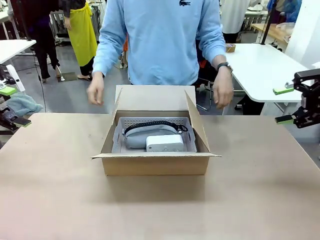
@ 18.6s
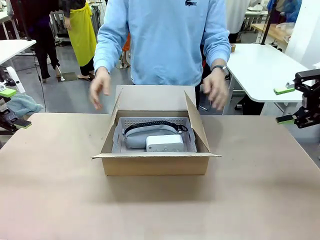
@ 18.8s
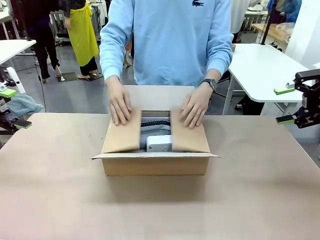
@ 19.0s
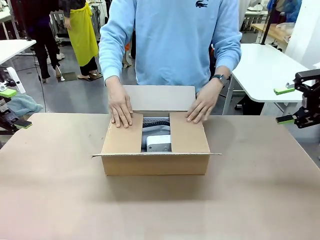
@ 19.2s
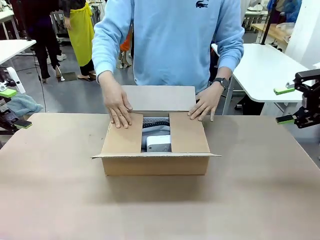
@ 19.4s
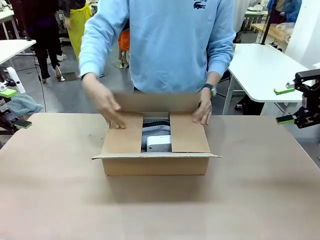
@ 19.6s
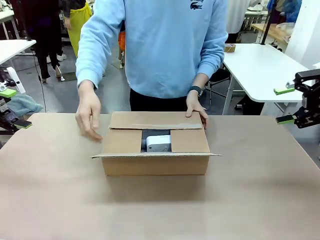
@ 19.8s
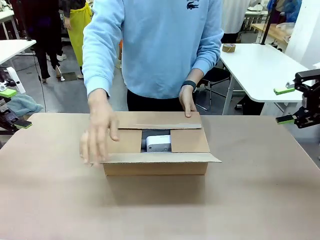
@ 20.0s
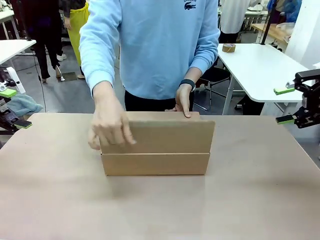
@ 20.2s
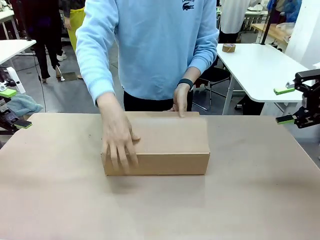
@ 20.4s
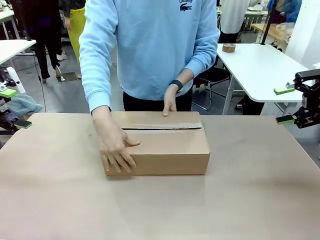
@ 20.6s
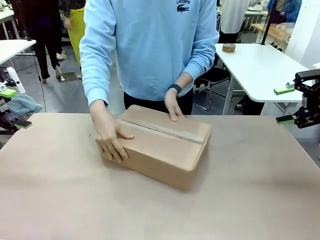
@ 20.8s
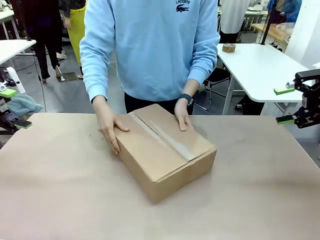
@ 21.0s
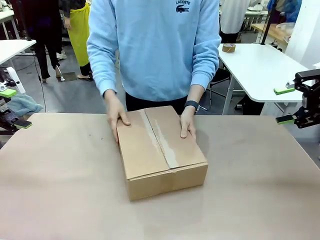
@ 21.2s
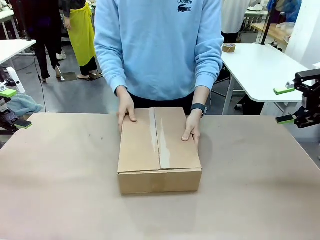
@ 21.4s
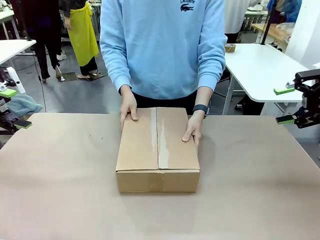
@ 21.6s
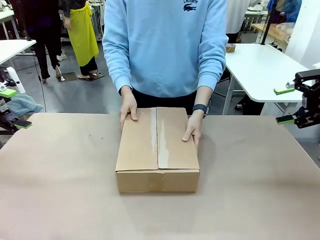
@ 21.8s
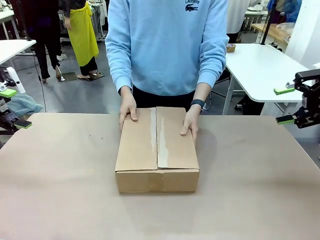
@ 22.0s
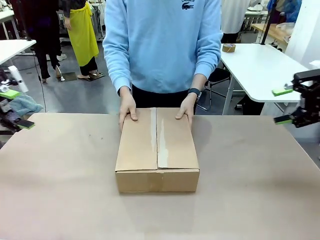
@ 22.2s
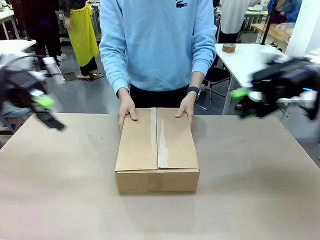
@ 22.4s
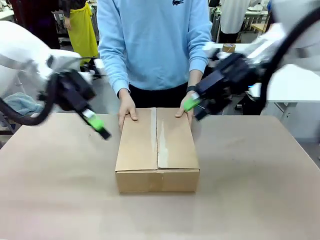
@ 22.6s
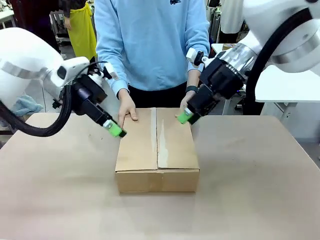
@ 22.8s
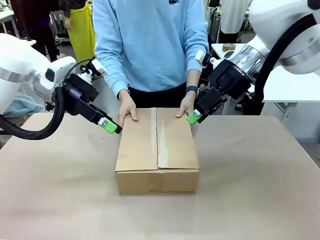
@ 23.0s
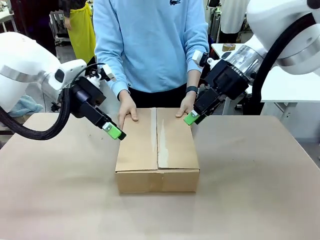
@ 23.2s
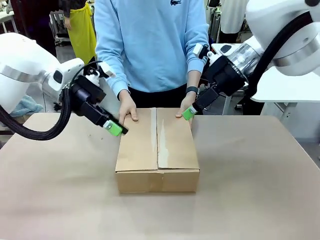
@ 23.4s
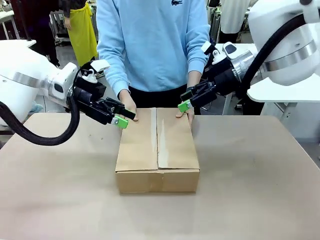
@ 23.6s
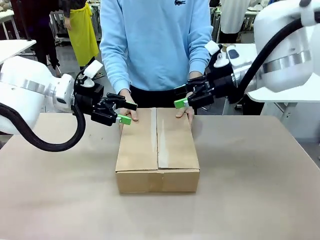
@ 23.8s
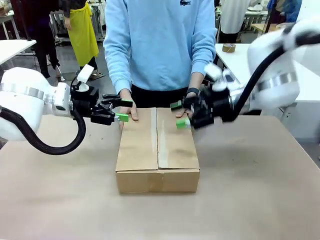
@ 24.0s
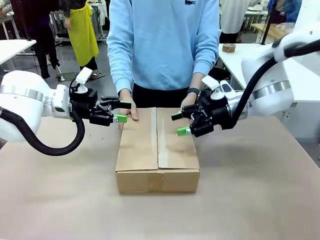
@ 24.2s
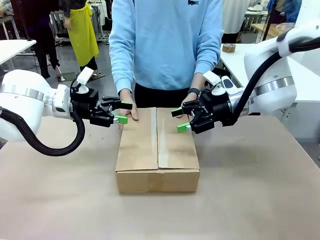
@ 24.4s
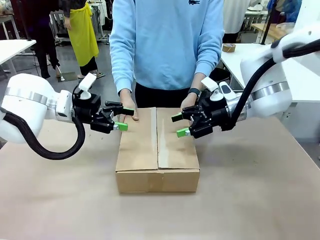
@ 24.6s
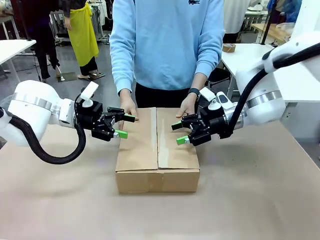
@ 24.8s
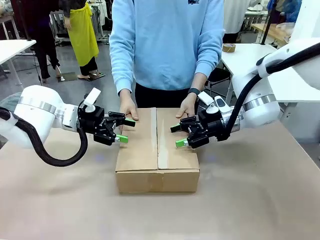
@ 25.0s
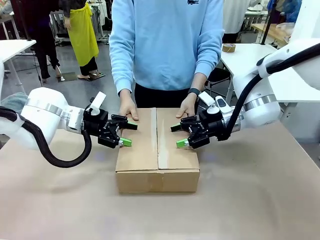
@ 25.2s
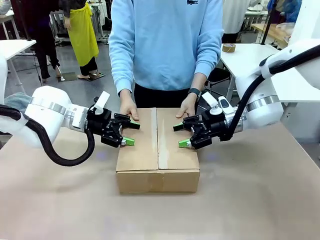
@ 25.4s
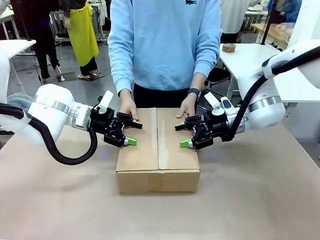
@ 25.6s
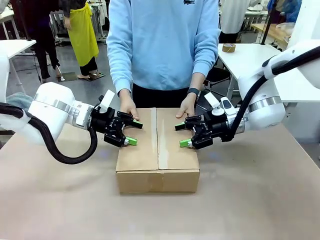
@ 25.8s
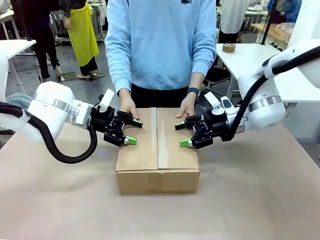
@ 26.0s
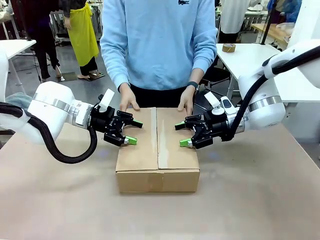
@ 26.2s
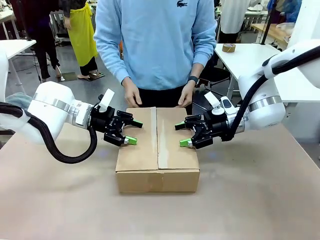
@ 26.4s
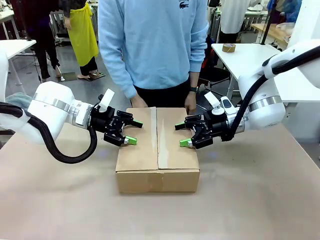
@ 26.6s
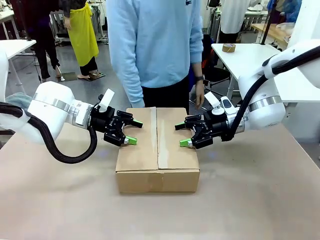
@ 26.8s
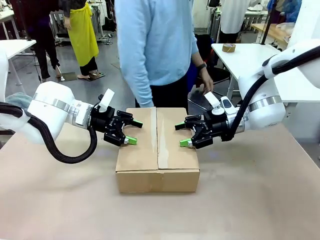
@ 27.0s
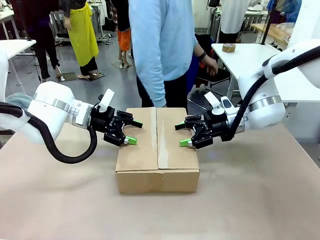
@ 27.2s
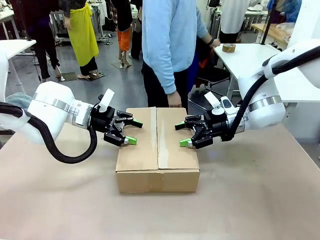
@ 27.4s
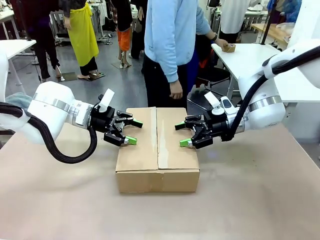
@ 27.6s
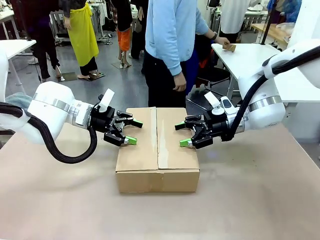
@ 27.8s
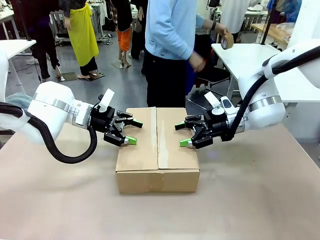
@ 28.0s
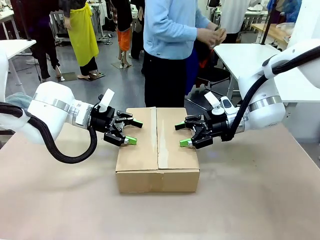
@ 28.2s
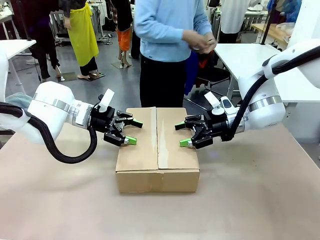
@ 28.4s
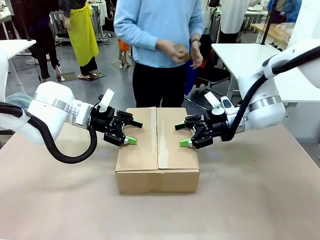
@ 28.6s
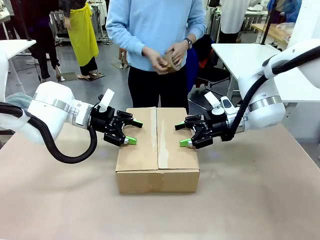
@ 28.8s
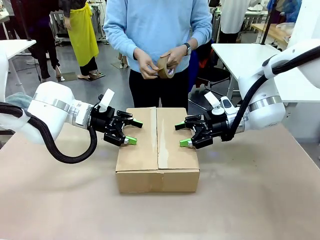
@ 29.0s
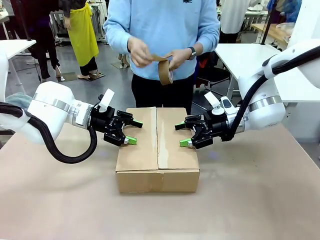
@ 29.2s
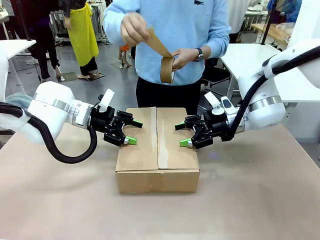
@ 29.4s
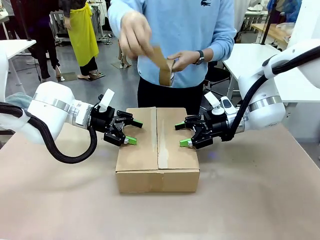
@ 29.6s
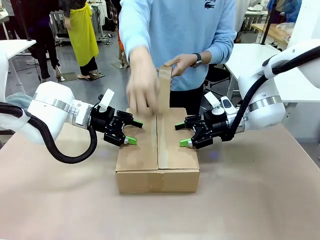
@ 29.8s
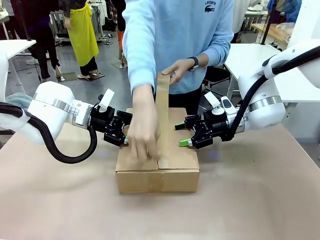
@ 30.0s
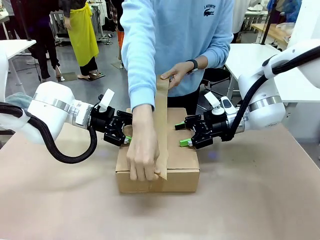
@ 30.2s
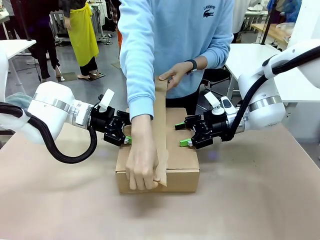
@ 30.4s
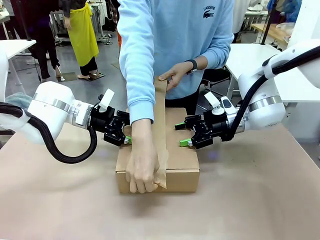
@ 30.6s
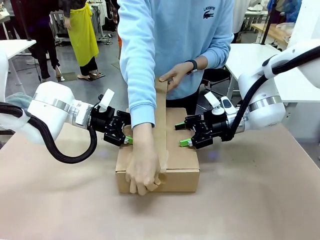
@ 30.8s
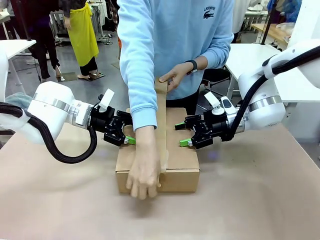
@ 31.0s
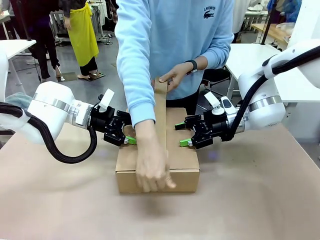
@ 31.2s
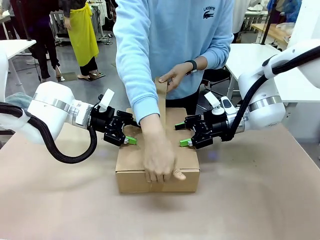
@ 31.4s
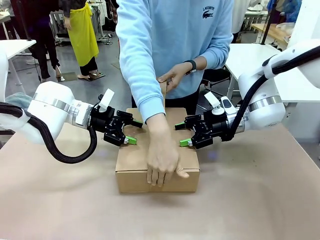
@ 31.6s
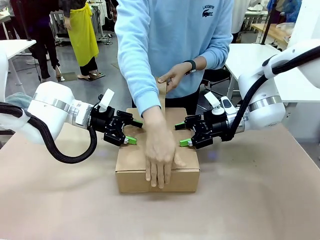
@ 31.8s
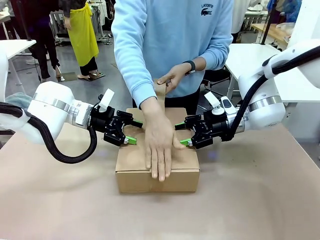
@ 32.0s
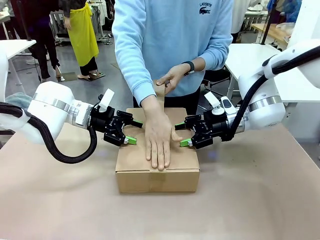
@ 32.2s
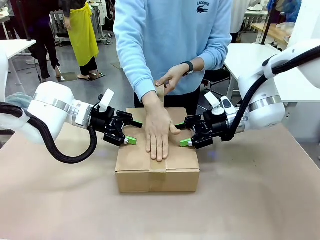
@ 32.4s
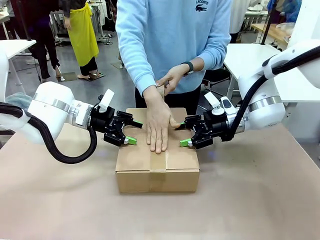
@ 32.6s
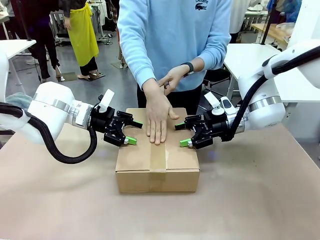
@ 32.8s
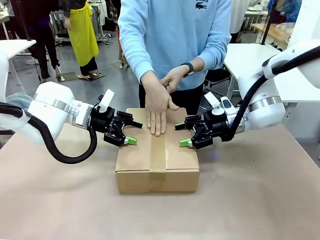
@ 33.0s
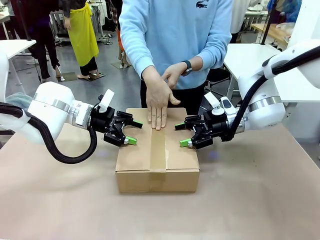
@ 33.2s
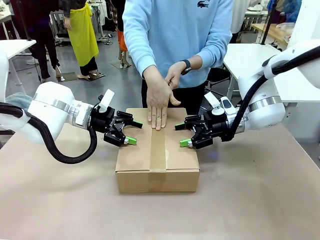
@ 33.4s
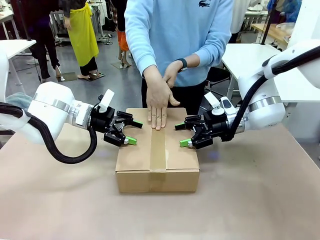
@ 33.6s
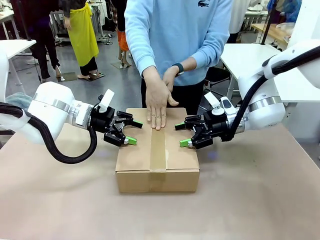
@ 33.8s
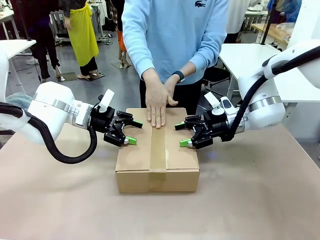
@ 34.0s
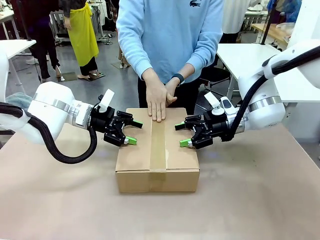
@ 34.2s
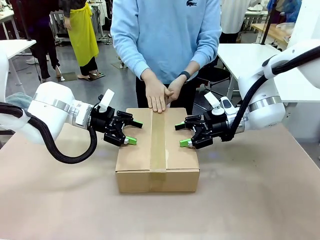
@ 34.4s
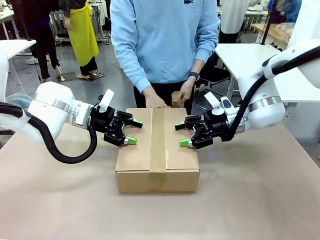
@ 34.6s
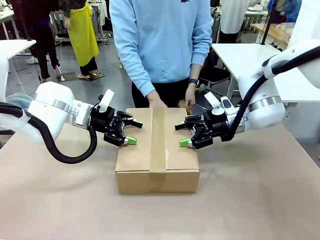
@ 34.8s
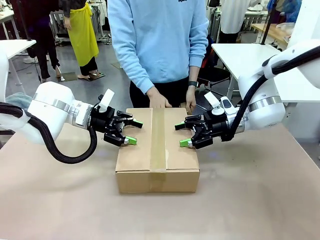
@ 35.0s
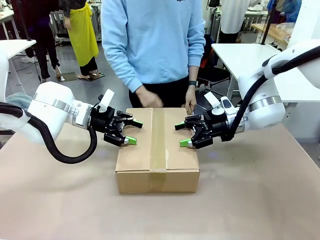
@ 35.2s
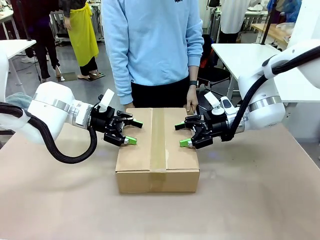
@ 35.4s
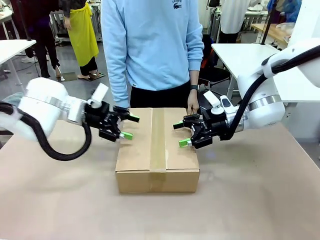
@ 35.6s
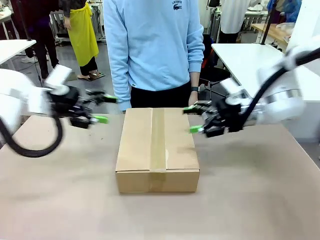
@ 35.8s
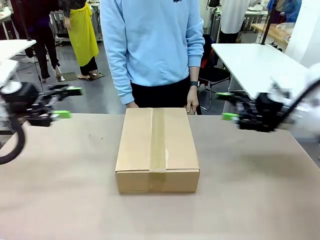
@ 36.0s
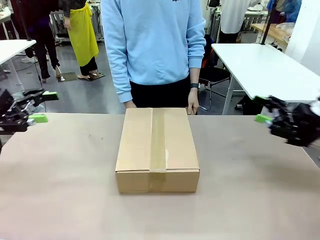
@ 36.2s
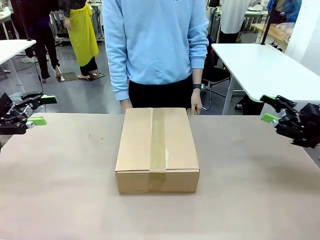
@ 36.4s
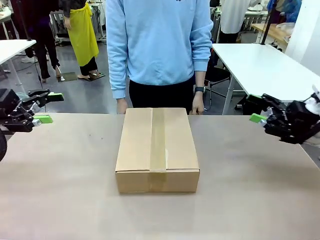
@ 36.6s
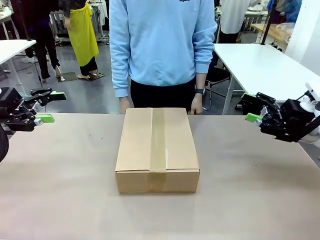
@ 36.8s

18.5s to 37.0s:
Task: Pack the gift set into the box.
Robot: Press and hold the closed box until the human finishes sealing it.
Person: The human closes the box and rotates the box by 90 degrees. The human picks up the paper tape from the human table and packs the box.
